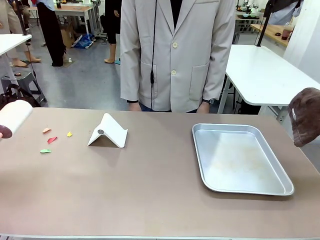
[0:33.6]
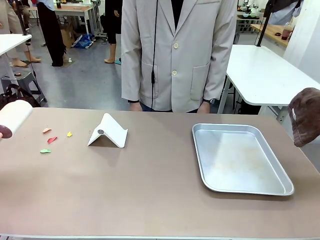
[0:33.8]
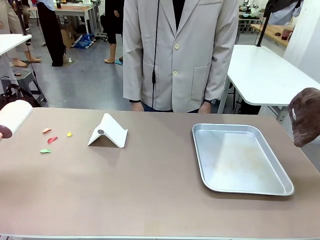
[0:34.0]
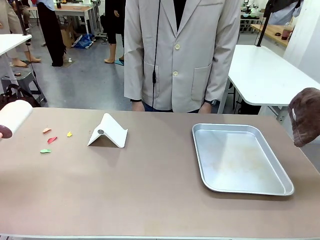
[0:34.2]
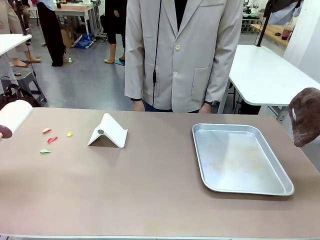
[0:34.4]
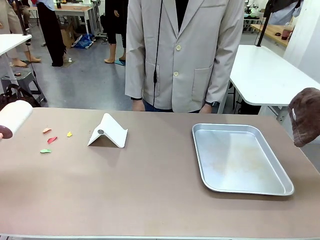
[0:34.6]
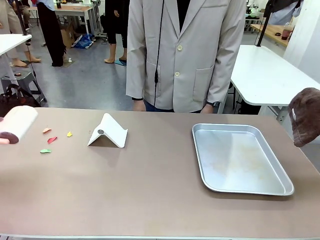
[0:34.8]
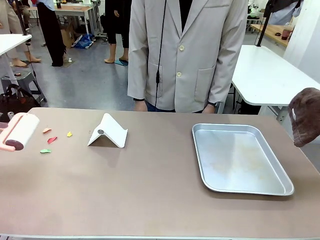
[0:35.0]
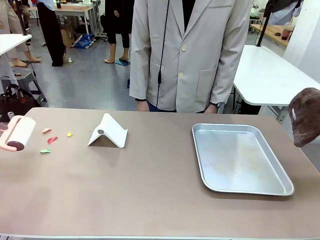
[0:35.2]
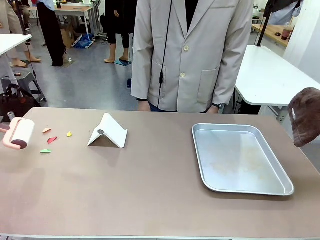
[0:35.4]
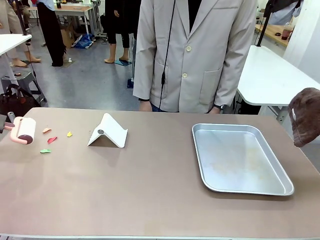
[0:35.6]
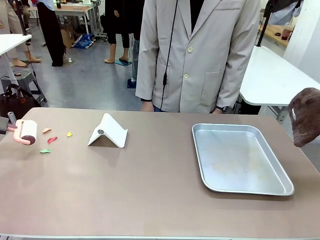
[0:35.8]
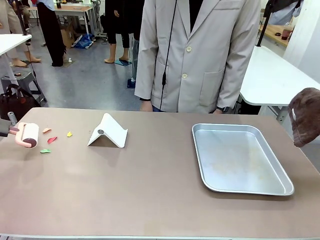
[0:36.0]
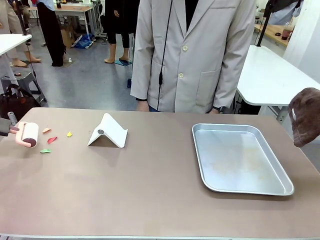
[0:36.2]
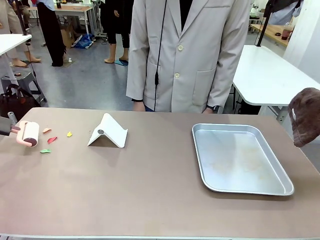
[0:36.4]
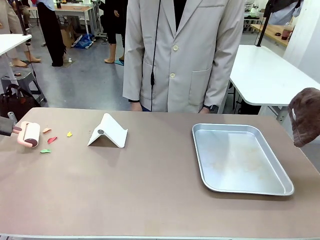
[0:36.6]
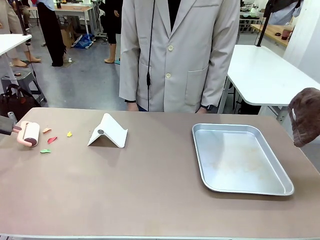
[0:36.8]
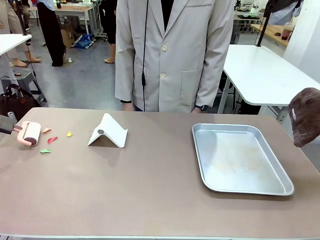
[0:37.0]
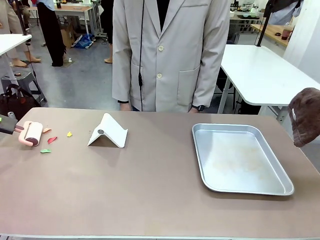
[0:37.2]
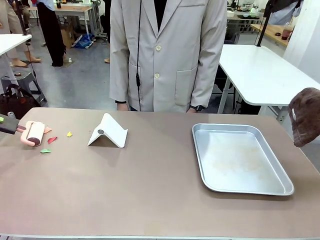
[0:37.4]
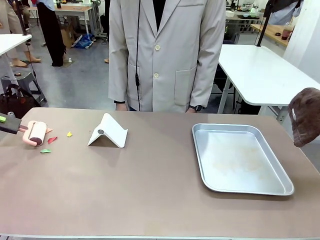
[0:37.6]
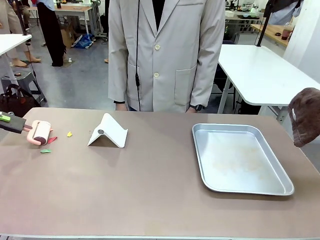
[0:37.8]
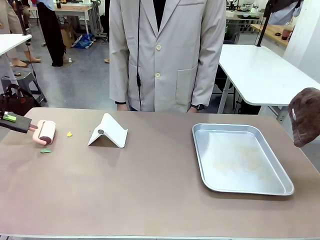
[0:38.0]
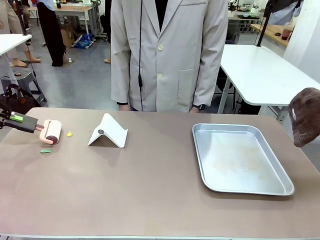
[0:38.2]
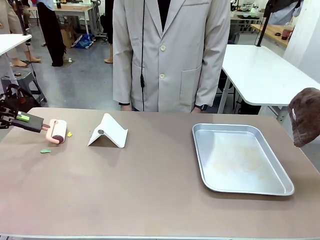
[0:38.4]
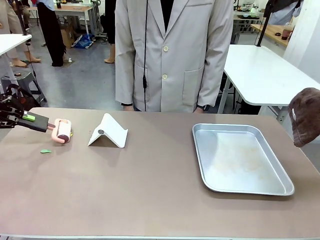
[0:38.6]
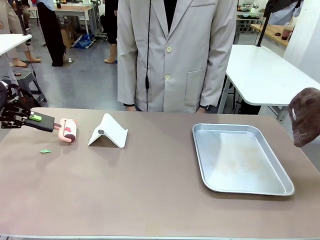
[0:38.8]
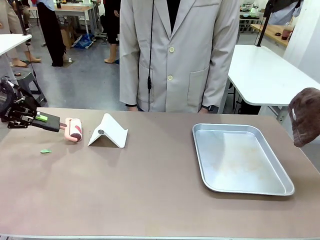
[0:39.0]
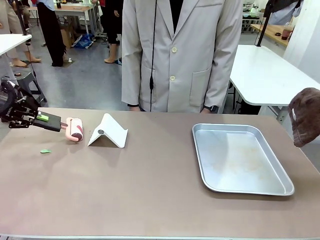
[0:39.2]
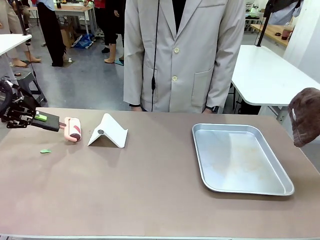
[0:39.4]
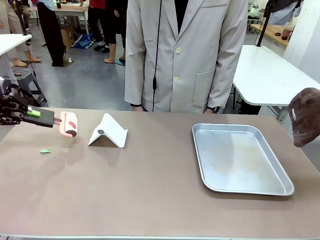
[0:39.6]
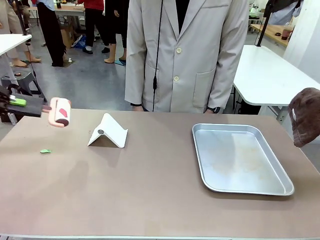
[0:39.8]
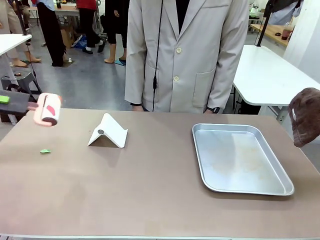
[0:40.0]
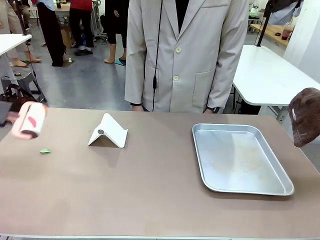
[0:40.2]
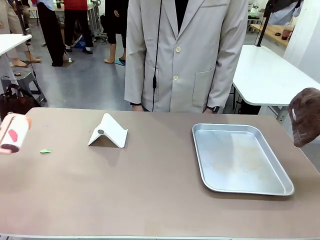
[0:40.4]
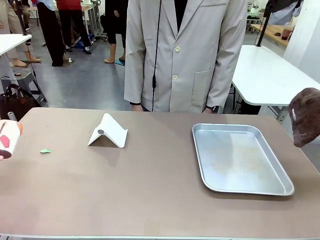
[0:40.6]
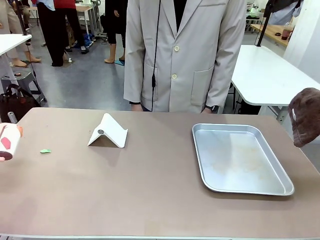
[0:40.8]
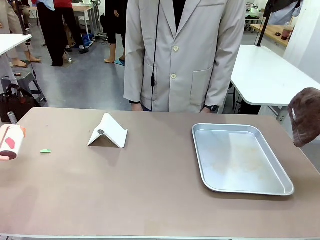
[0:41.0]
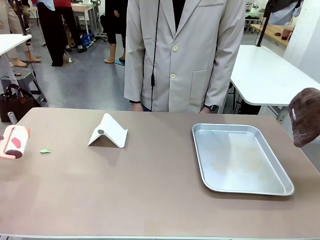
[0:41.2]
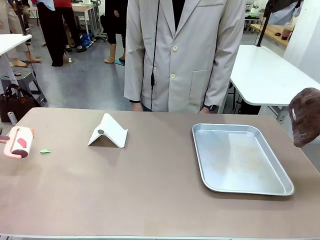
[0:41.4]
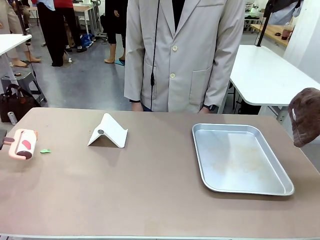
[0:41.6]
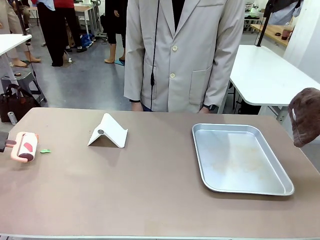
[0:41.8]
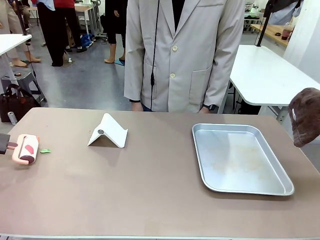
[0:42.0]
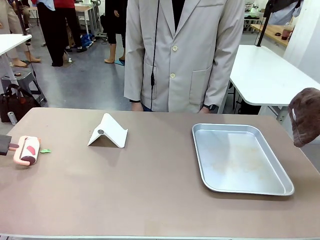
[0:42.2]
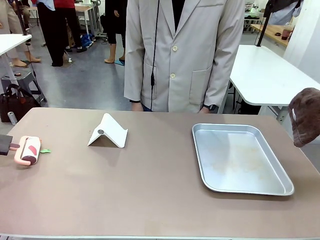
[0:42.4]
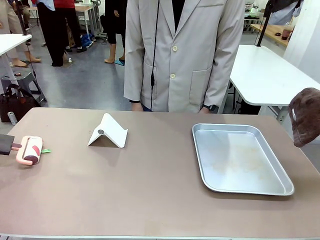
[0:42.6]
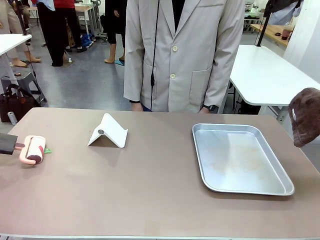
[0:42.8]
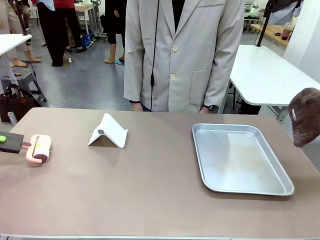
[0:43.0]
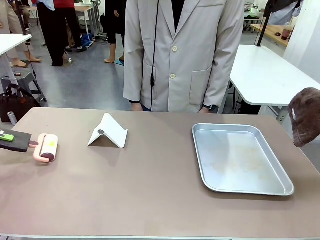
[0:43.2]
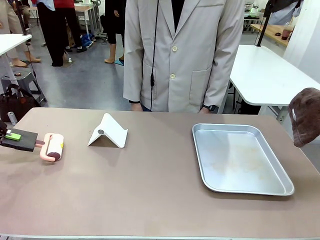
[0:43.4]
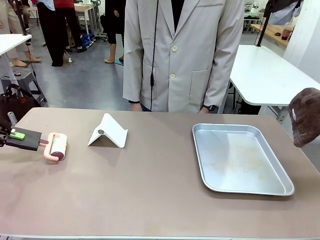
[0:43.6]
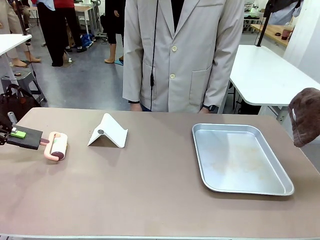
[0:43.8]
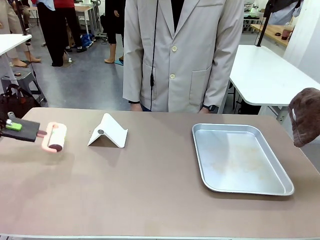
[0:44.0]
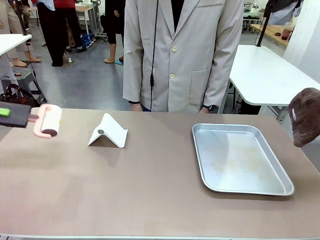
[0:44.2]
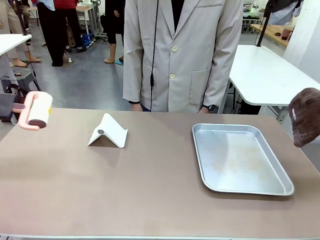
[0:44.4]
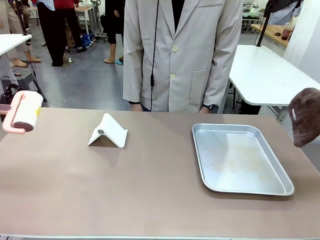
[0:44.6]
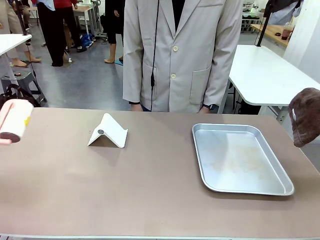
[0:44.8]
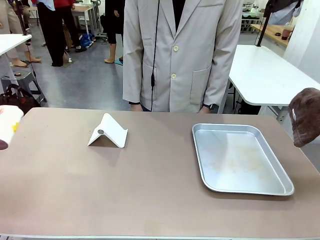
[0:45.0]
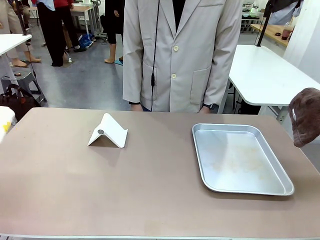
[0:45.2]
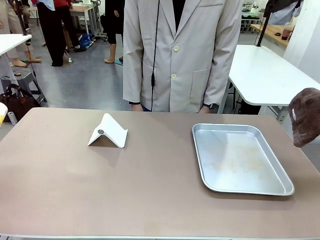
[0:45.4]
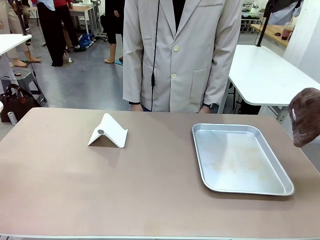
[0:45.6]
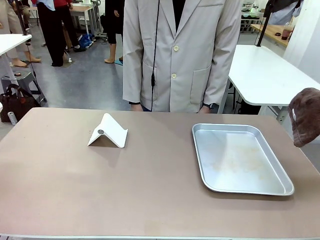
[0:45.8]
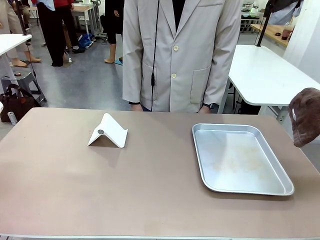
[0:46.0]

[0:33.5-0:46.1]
Task: Clean the surface of the table.
Robot: Clean the area not pointed to by the person.

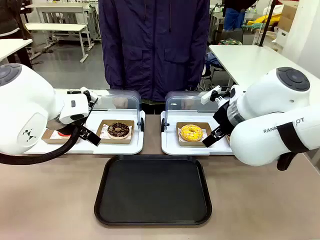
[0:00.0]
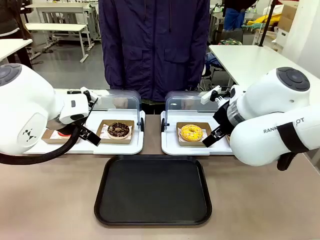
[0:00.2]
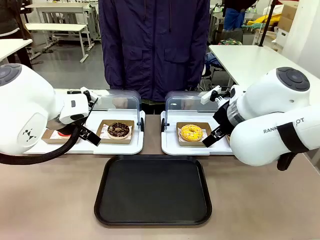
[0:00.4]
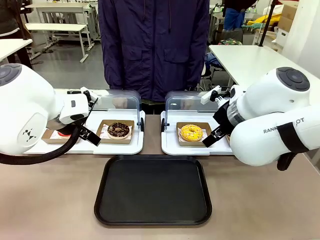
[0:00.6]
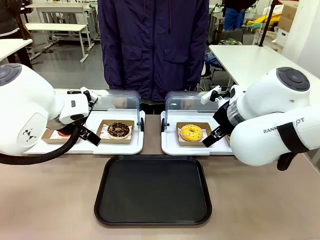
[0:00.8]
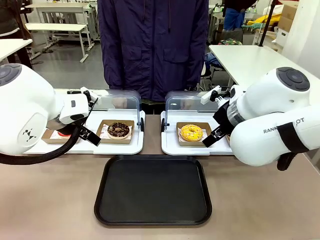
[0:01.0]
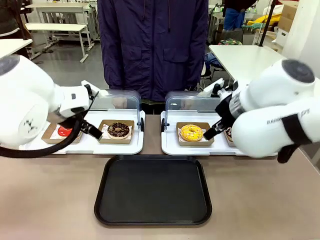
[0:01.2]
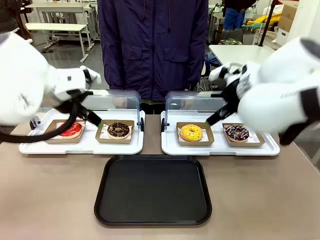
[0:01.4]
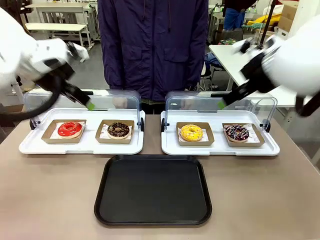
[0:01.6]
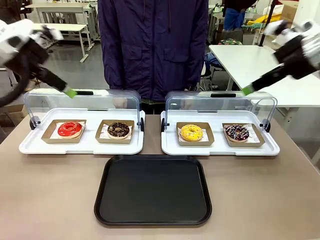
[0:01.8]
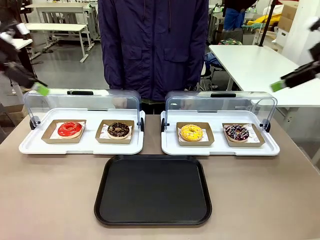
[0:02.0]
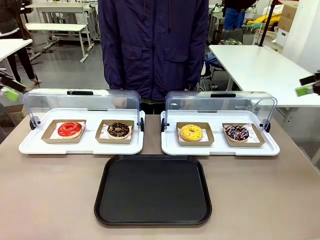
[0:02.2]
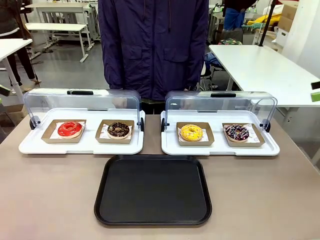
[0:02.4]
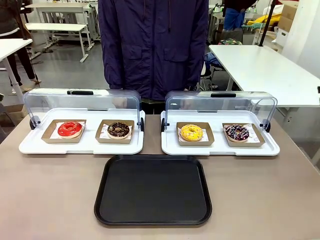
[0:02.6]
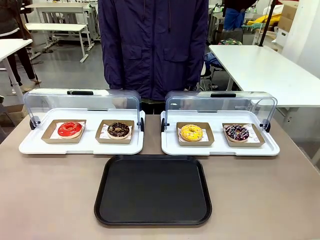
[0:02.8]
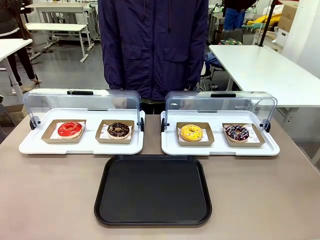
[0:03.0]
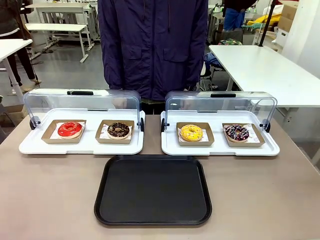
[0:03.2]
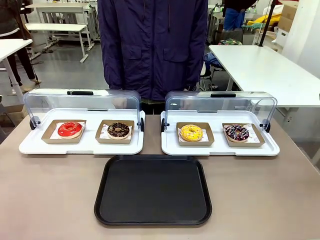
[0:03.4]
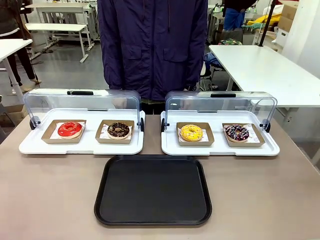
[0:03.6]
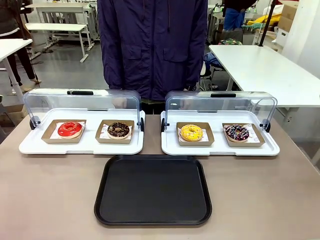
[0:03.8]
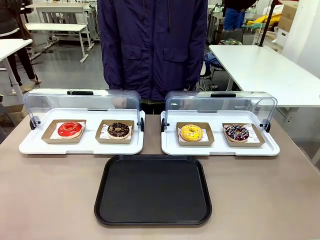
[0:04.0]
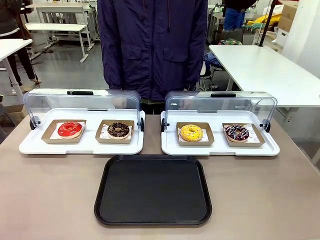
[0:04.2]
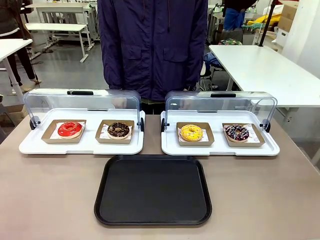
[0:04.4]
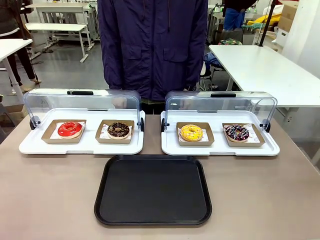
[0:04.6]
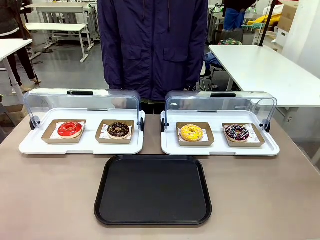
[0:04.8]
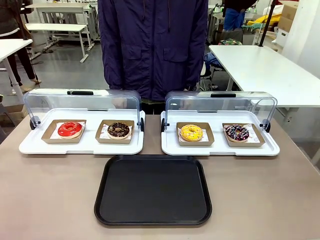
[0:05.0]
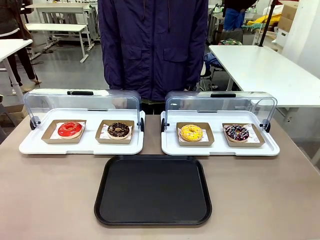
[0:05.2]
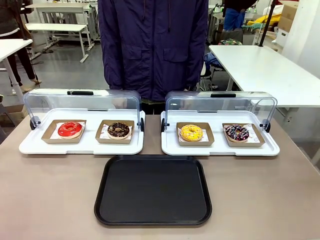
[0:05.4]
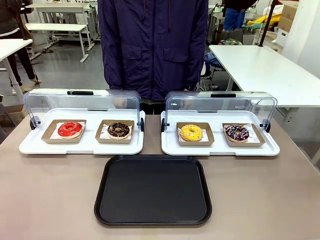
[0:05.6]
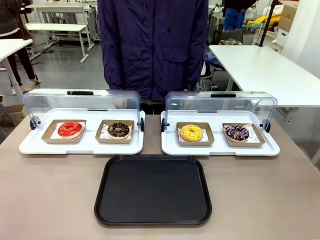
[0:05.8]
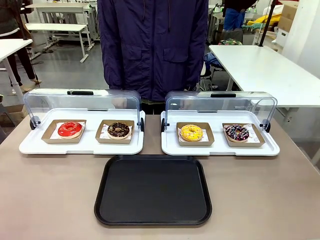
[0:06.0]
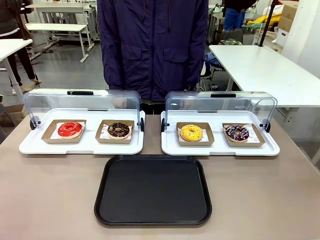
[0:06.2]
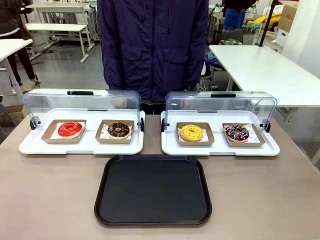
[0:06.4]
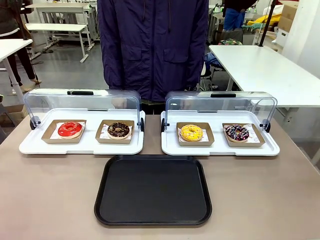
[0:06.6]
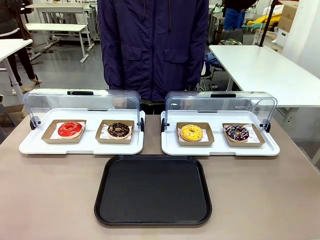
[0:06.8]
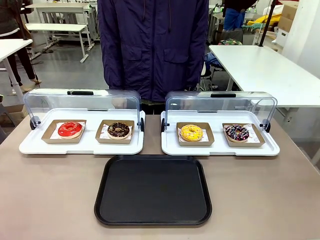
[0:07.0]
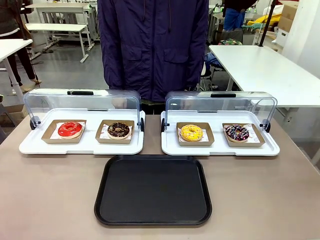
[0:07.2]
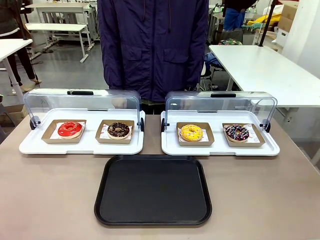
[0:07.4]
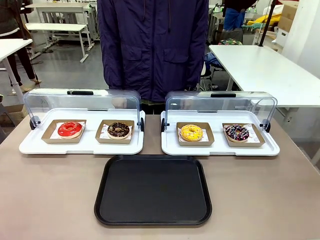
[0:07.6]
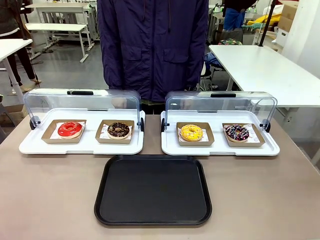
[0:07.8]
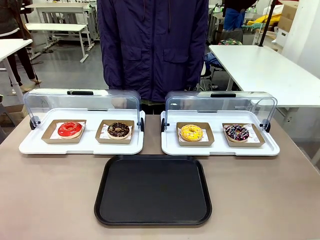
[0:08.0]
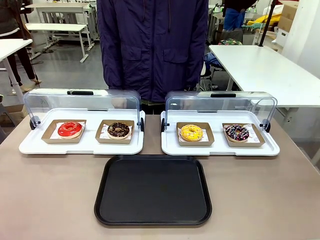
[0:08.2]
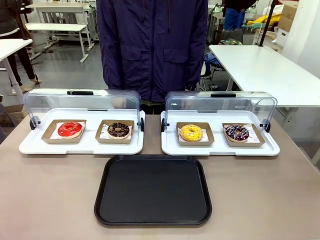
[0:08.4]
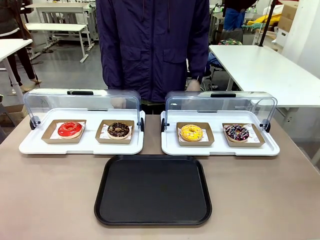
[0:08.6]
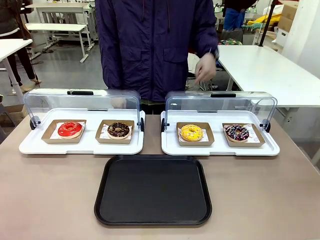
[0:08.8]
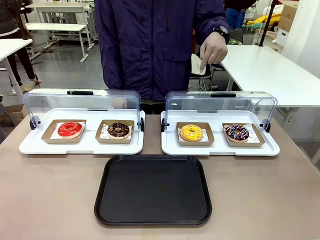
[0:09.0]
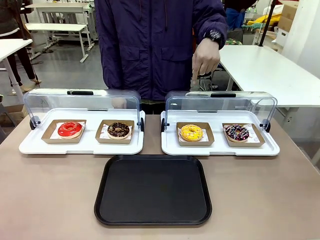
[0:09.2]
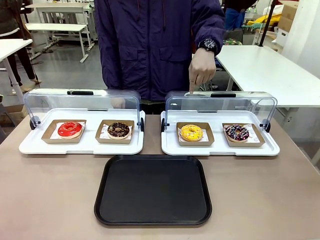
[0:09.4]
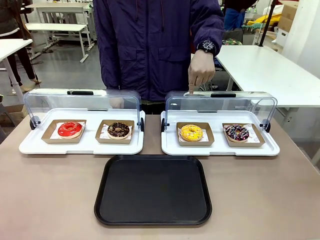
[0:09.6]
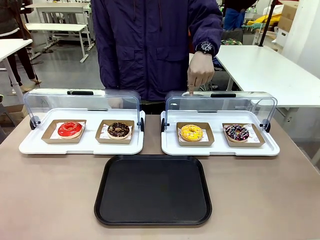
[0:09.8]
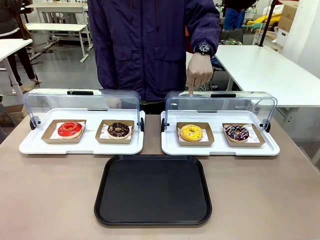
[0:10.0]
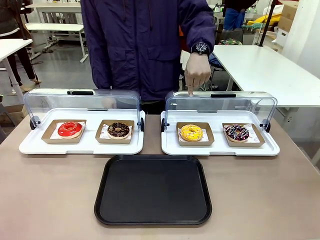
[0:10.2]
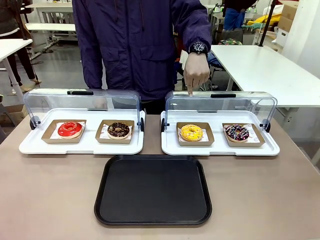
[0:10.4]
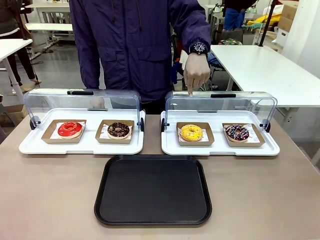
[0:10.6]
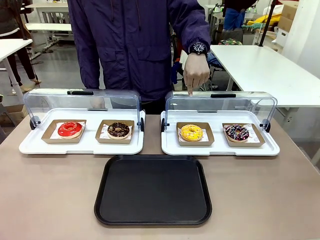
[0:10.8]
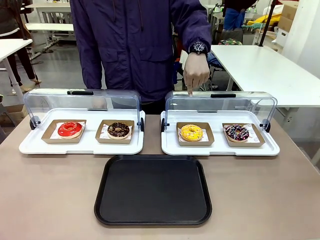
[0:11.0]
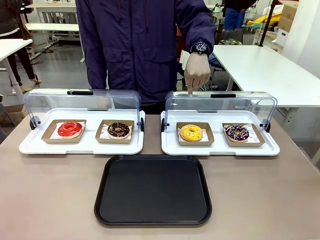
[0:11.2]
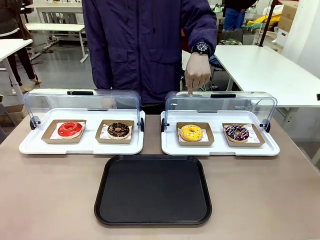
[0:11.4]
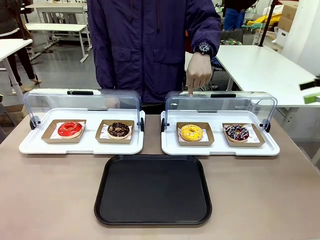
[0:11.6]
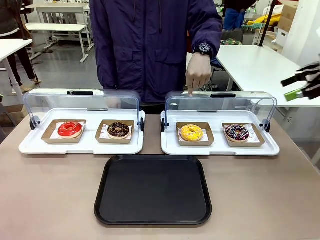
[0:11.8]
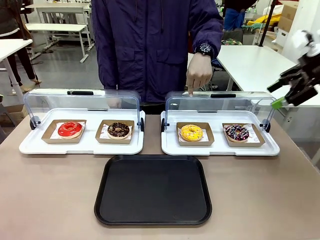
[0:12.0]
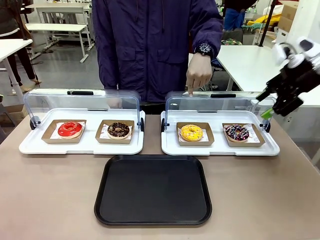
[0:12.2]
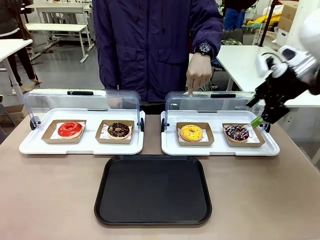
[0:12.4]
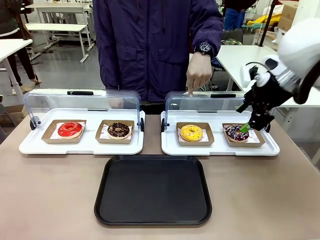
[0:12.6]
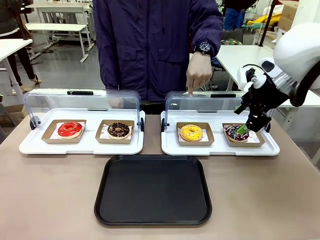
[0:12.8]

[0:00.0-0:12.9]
Task: Move the third donut from the left to the tray.
Robot: Pick up the Paper togo box containing the Donut indicated by the person and place it on the Handle tray.
